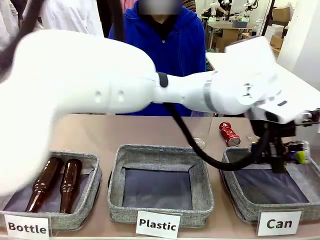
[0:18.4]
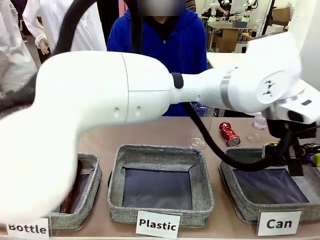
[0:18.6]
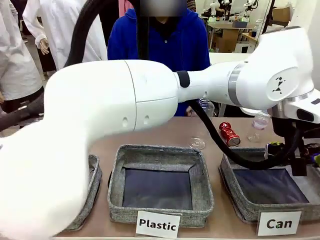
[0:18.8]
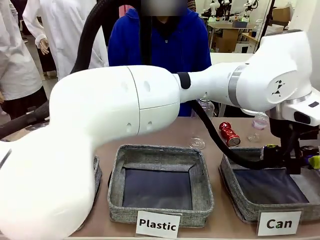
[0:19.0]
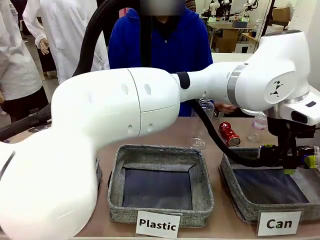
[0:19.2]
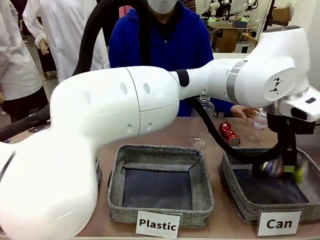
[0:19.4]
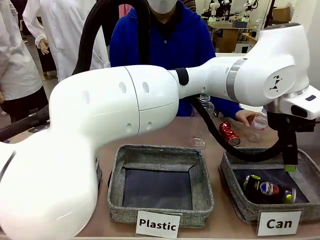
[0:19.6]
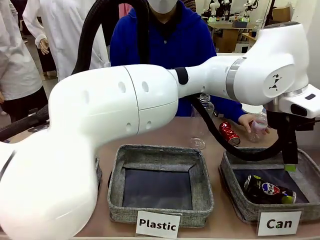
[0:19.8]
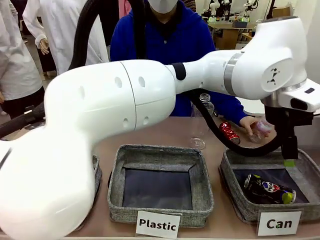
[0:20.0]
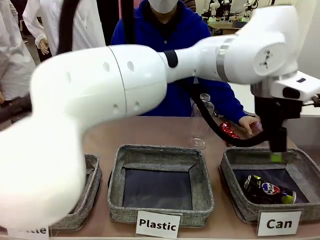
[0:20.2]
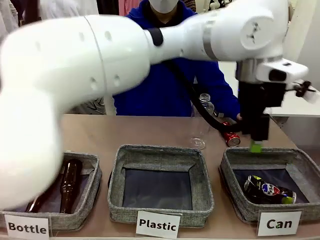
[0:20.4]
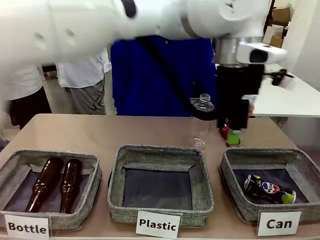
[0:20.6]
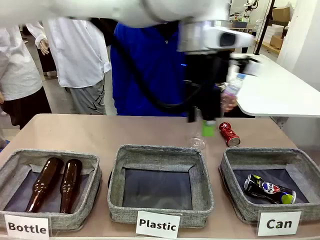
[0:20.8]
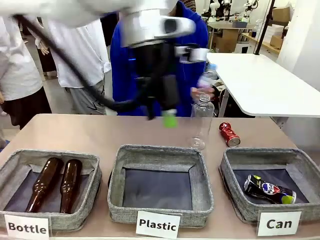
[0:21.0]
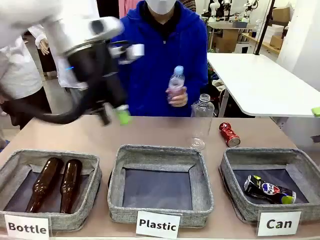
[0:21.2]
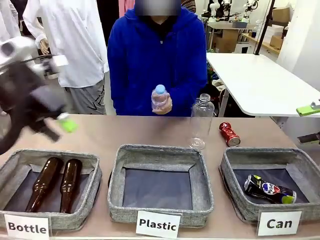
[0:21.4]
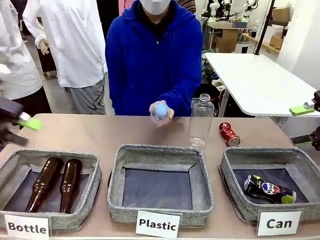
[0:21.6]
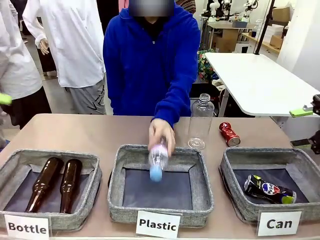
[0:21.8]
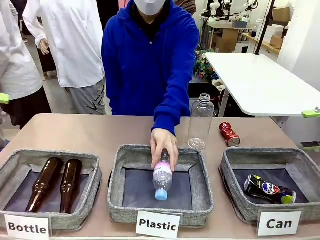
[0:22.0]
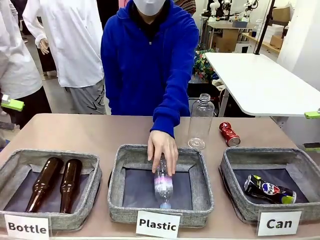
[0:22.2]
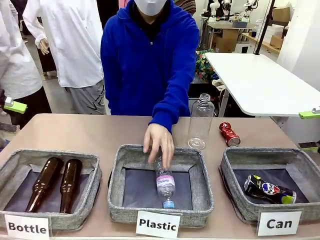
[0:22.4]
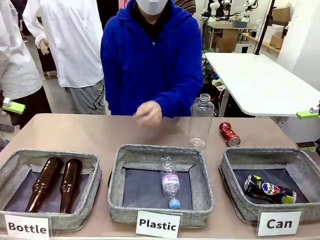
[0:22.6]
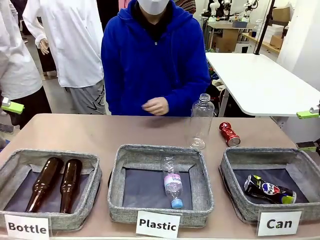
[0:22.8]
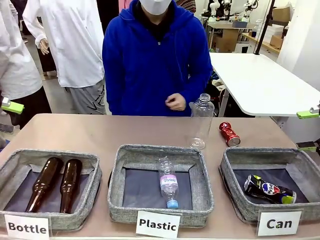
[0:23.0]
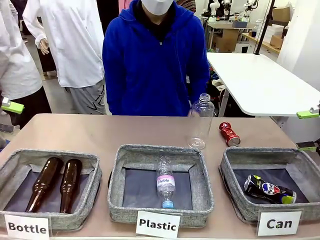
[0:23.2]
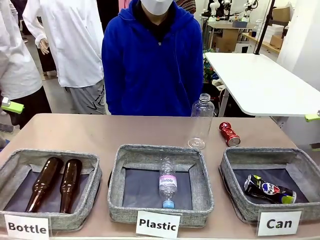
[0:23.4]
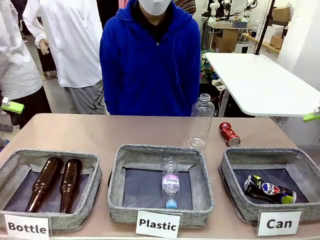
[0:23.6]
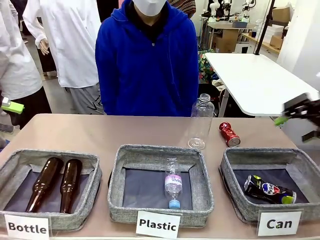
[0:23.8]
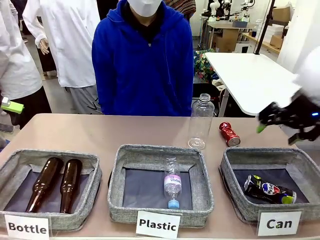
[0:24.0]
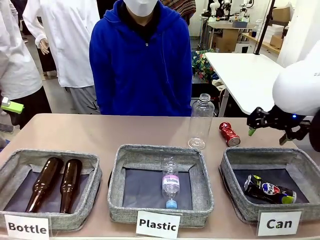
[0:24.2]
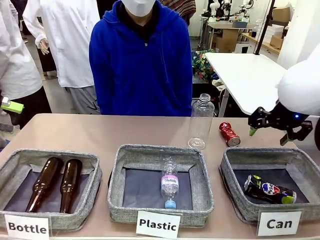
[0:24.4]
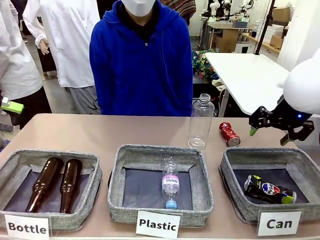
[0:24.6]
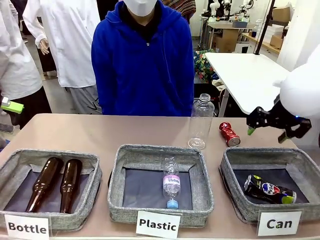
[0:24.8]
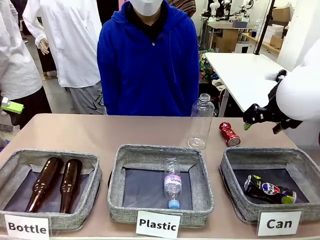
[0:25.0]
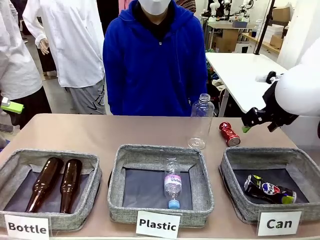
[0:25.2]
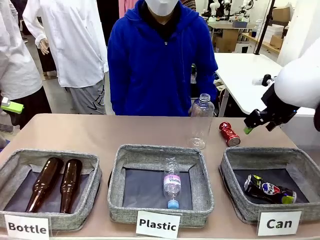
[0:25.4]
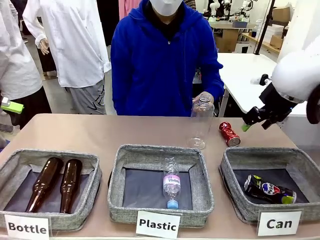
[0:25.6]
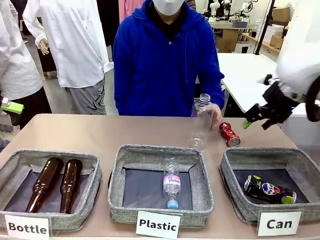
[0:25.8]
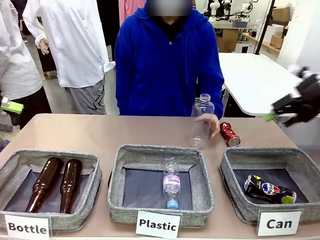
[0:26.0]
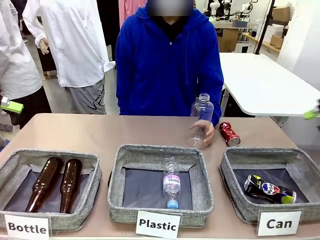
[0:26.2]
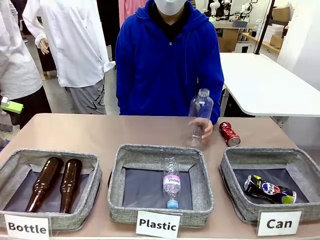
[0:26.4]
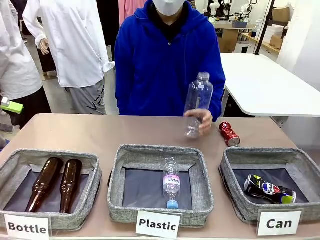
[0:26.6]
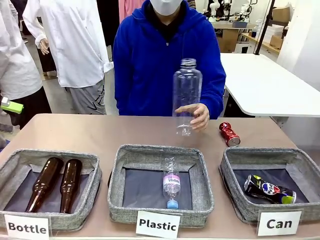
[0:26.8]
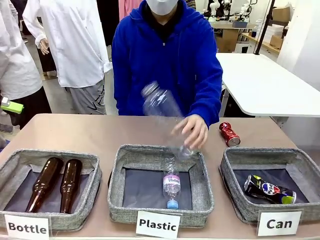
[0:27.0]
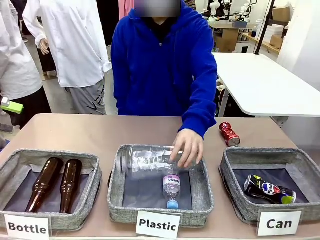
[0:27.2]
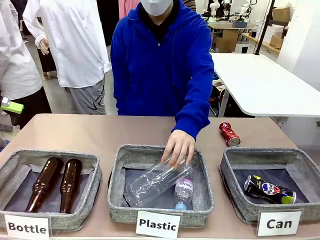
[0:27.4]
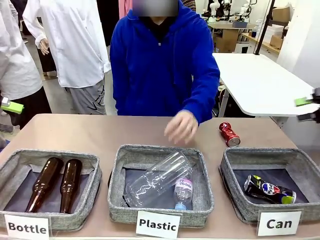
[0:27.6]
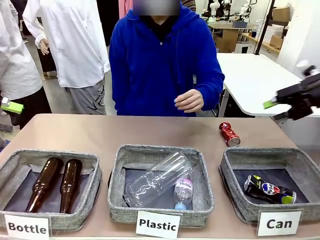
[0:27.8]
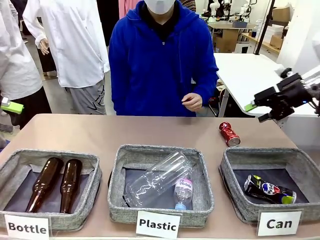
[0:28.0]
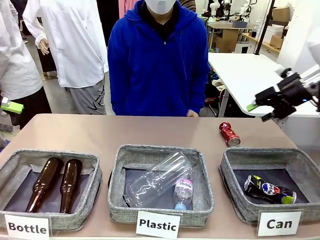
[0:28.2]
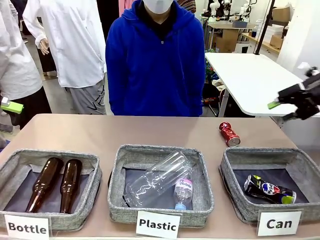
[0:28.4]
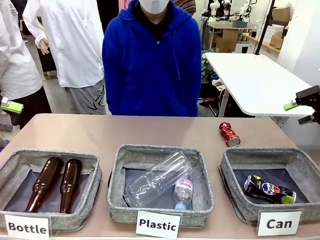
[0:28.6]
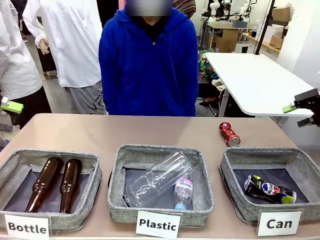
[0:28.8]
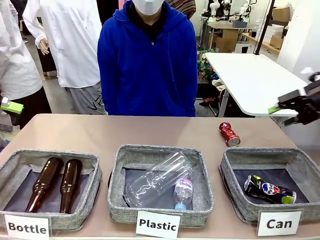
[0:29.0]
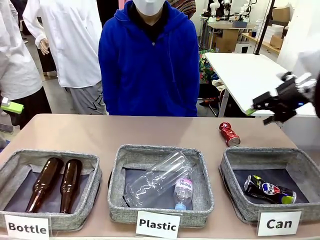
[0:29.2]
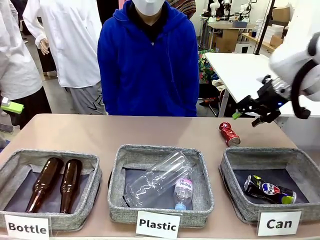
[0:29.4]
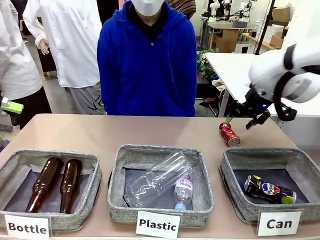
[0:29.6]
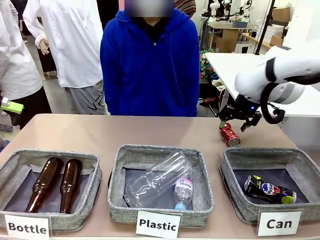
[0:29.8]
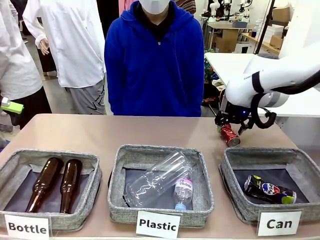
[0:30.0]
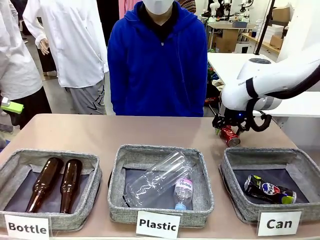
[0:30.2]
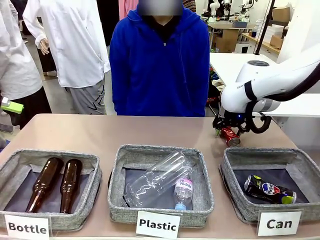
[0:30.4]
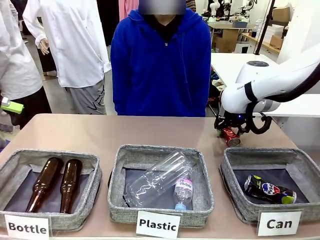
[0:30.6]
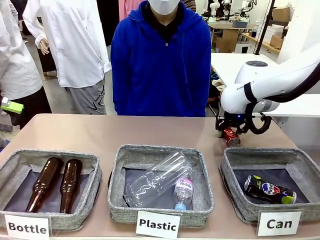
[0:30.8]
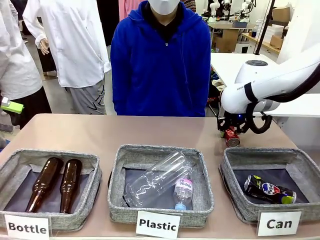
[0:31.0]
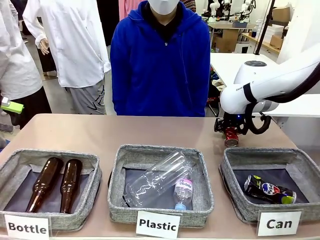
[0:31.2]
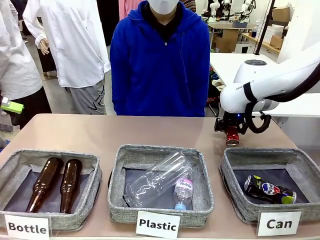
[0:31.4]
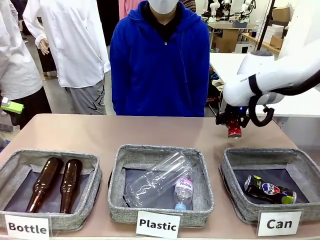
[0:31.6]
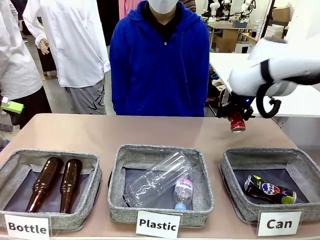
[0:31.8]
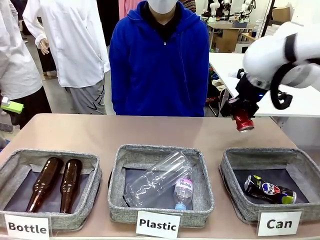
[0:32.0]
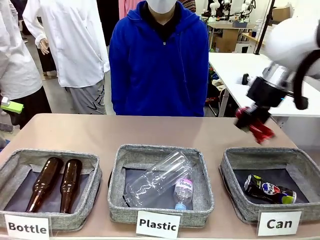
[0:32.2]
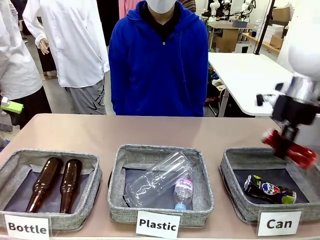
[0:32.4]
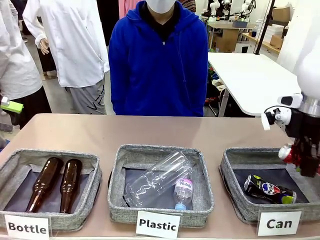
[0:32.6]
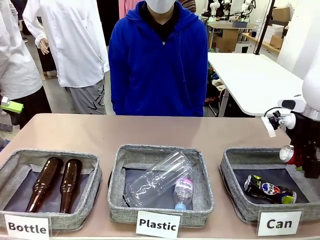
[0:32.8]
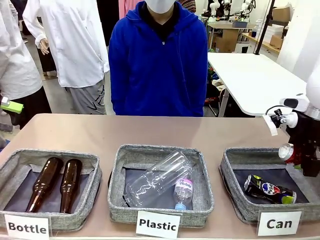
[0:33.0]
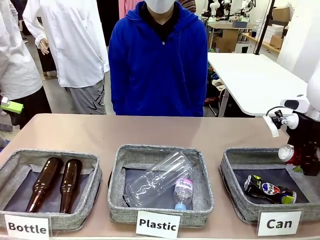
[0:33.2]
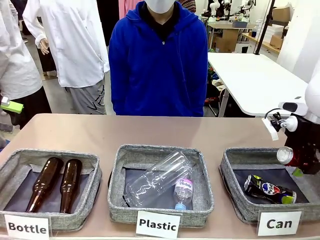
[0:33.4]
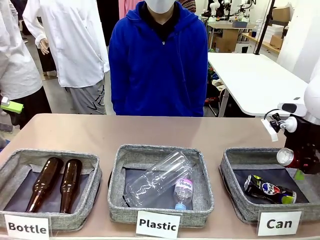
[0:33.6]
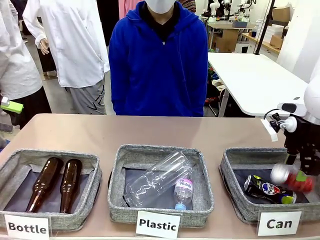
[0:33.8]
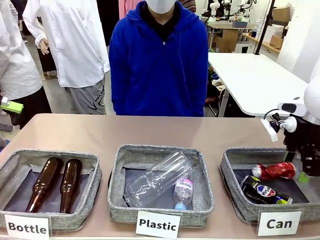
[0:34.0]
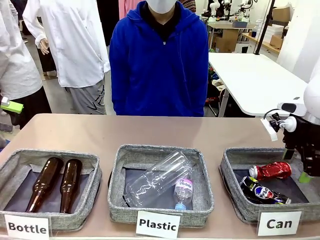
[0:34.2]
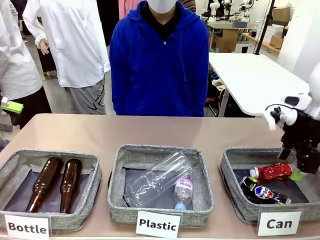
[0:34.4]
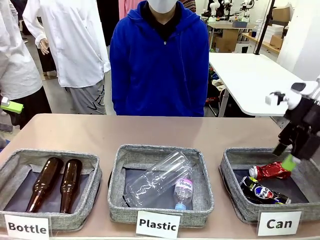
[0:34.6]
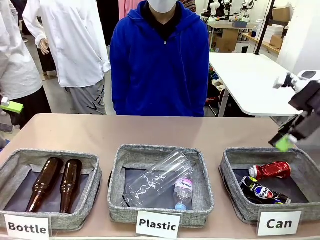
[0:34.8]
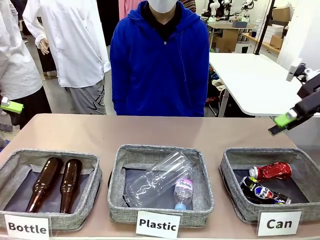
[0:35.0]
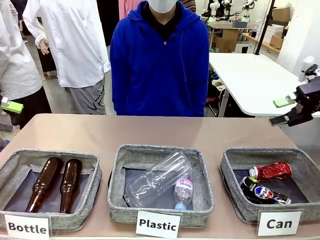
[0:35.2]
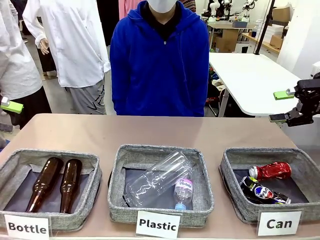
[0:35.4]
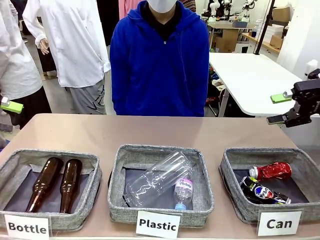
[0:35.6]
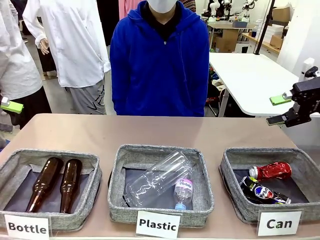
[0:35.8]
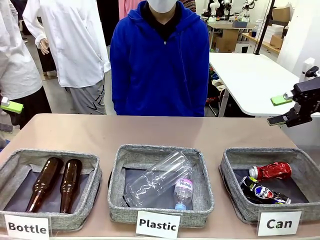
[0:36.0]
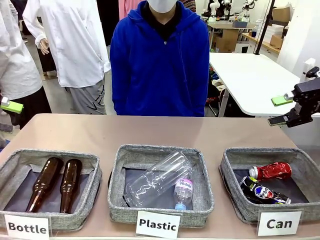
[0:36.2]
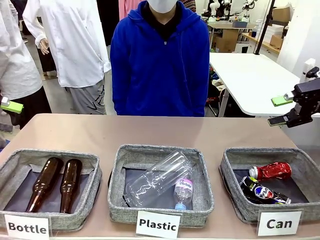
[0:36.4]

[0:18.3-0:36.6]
Task: Sort the can waste into the basket.
Robot: Pick up the can waste from the table and place it in the right Fabric basket.
